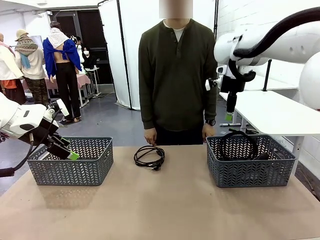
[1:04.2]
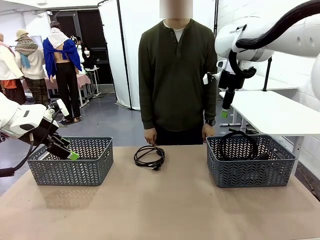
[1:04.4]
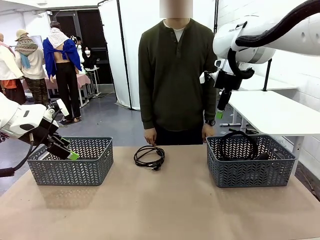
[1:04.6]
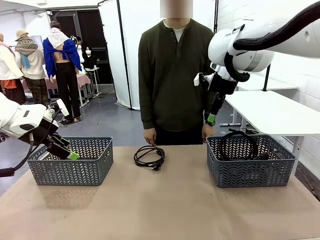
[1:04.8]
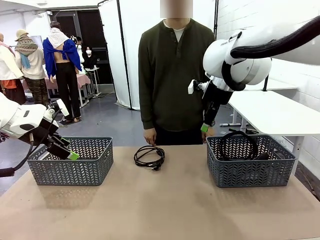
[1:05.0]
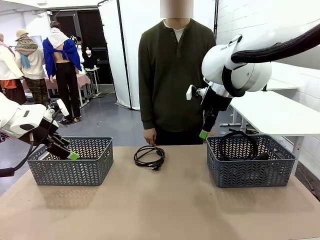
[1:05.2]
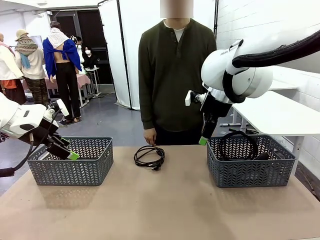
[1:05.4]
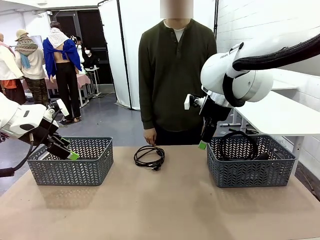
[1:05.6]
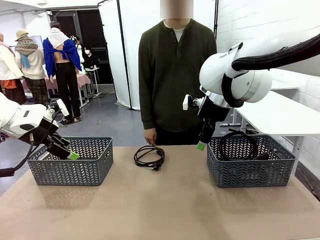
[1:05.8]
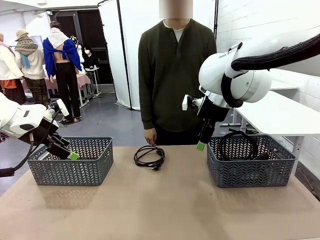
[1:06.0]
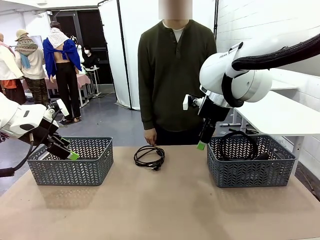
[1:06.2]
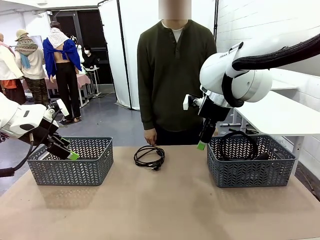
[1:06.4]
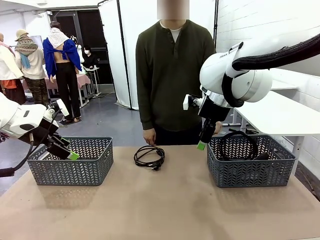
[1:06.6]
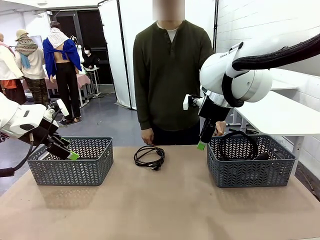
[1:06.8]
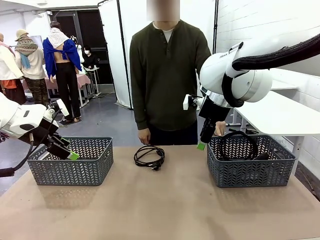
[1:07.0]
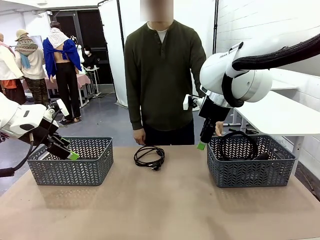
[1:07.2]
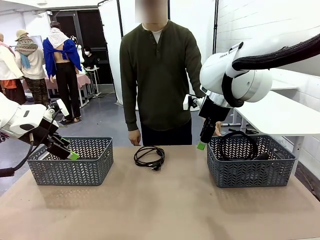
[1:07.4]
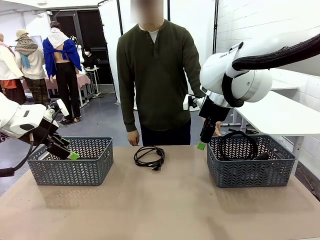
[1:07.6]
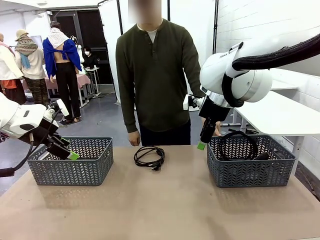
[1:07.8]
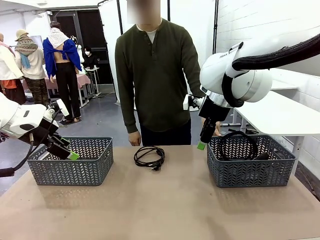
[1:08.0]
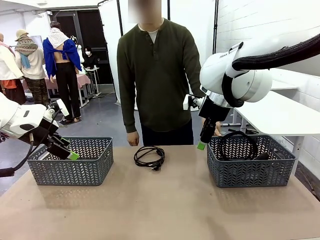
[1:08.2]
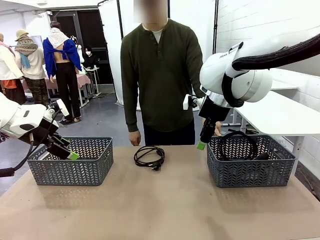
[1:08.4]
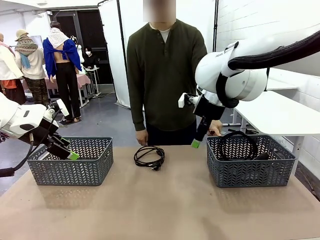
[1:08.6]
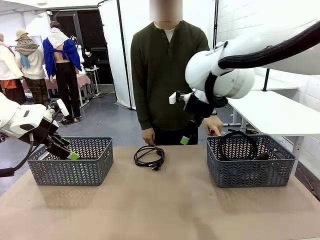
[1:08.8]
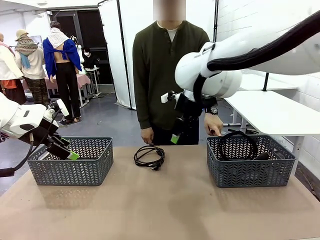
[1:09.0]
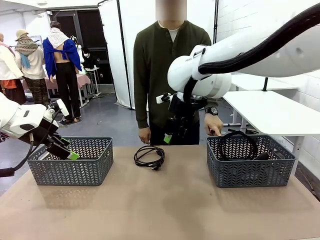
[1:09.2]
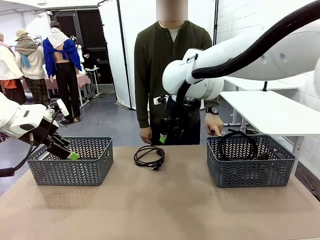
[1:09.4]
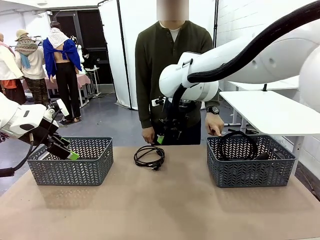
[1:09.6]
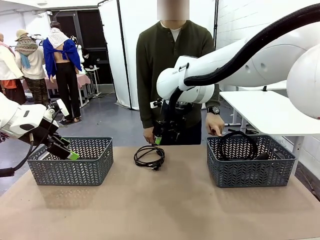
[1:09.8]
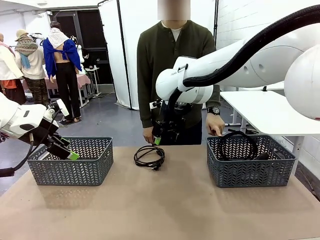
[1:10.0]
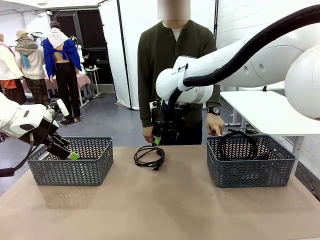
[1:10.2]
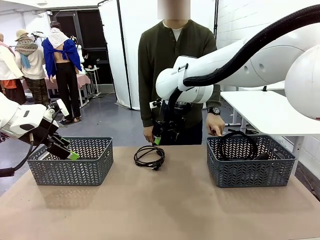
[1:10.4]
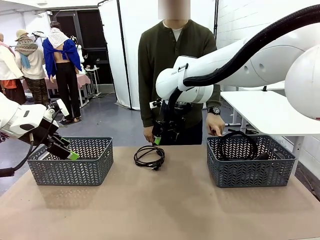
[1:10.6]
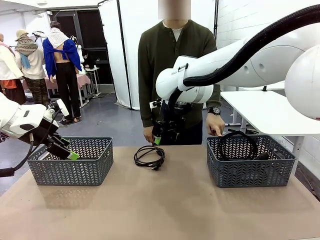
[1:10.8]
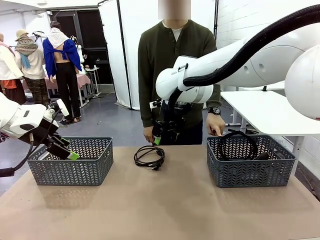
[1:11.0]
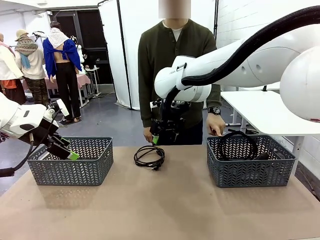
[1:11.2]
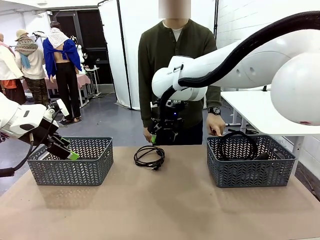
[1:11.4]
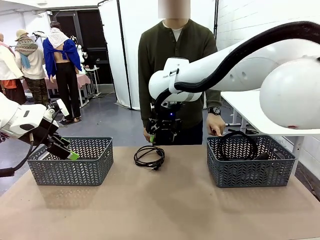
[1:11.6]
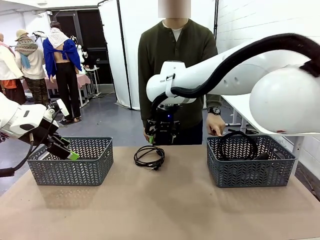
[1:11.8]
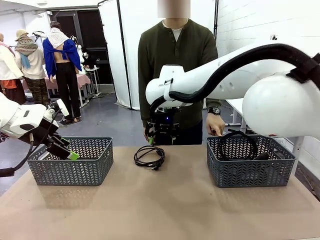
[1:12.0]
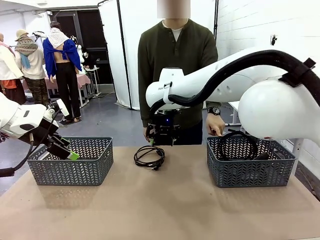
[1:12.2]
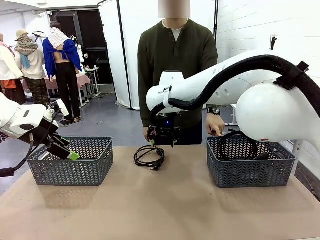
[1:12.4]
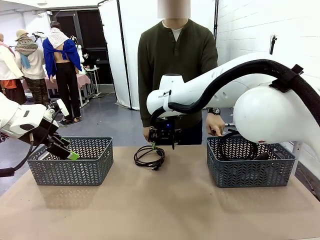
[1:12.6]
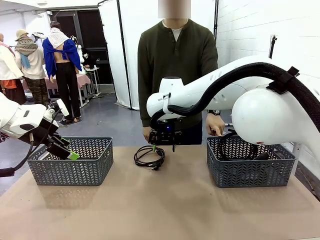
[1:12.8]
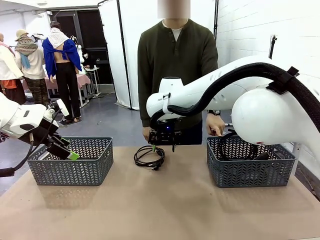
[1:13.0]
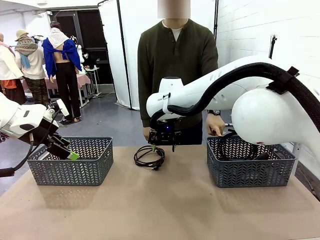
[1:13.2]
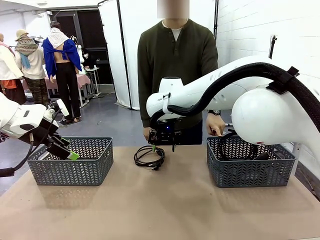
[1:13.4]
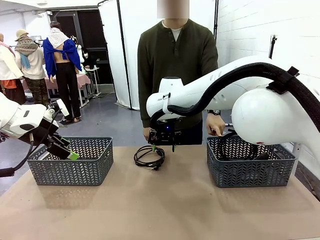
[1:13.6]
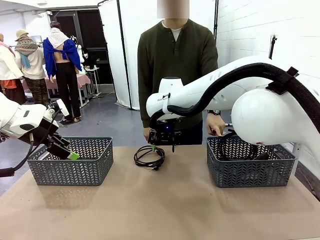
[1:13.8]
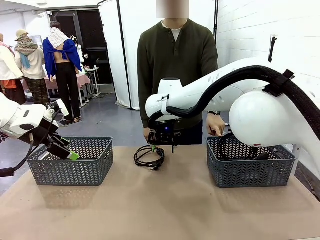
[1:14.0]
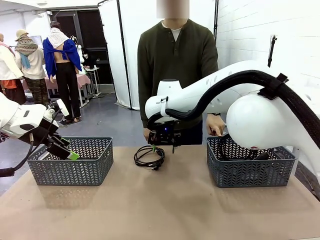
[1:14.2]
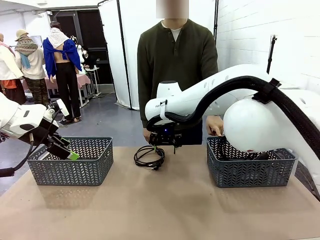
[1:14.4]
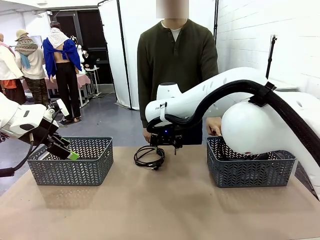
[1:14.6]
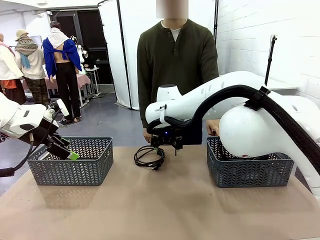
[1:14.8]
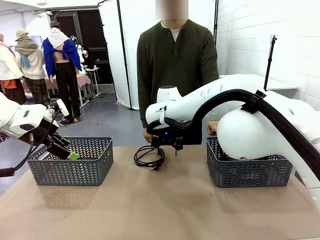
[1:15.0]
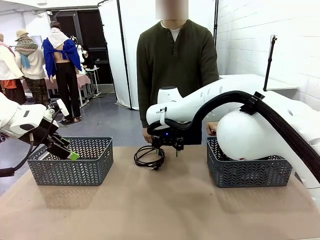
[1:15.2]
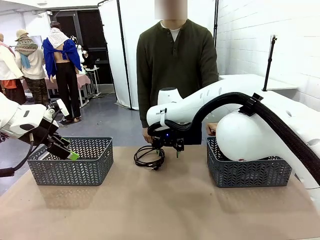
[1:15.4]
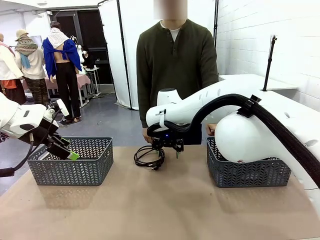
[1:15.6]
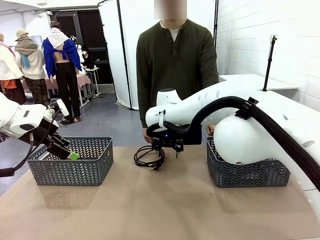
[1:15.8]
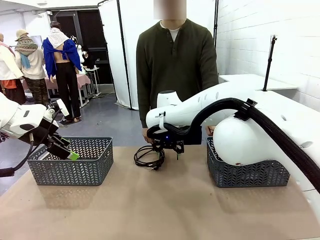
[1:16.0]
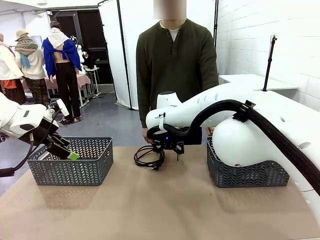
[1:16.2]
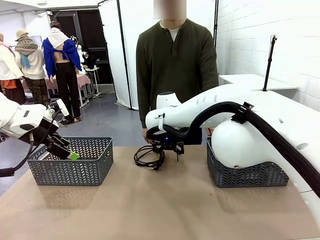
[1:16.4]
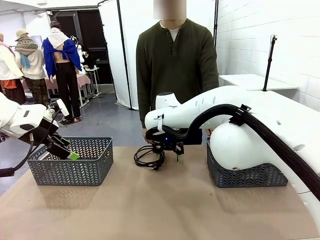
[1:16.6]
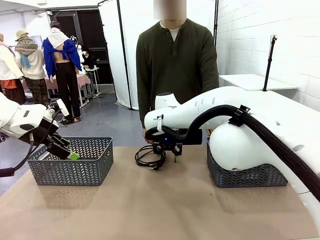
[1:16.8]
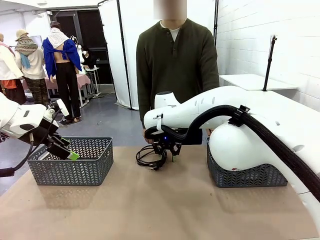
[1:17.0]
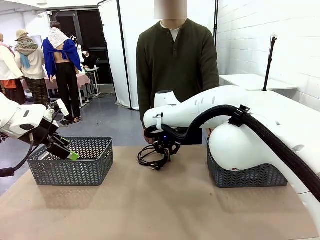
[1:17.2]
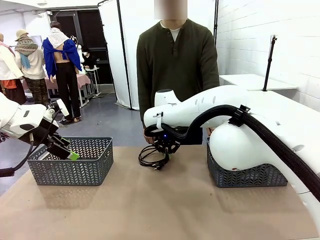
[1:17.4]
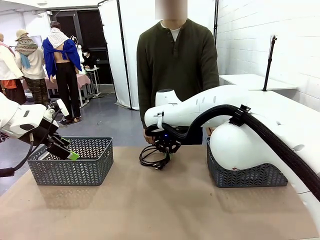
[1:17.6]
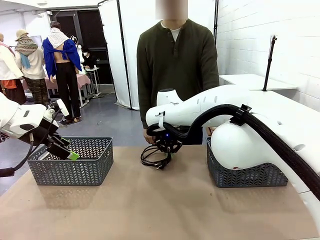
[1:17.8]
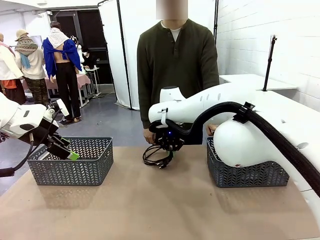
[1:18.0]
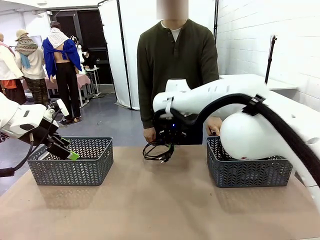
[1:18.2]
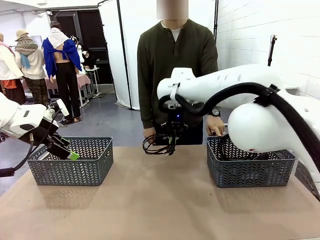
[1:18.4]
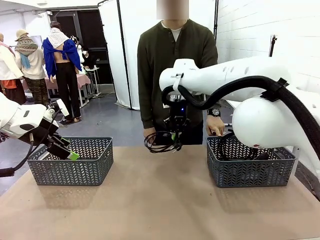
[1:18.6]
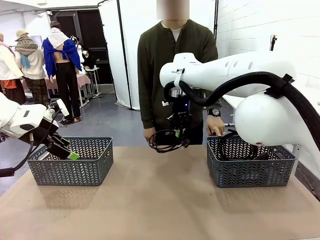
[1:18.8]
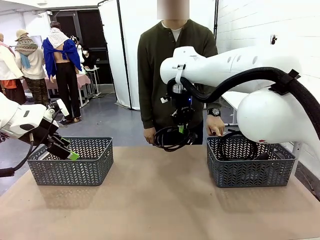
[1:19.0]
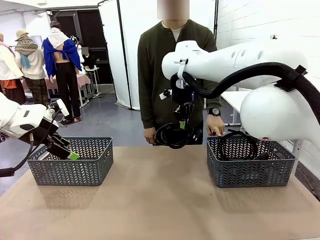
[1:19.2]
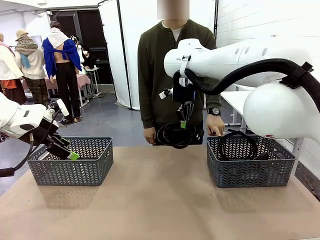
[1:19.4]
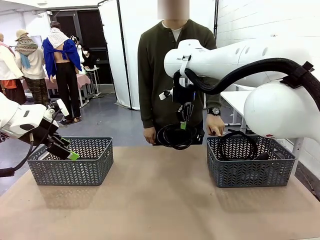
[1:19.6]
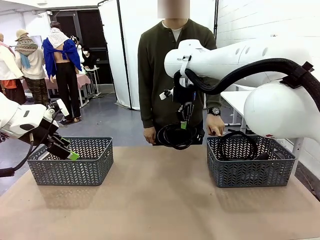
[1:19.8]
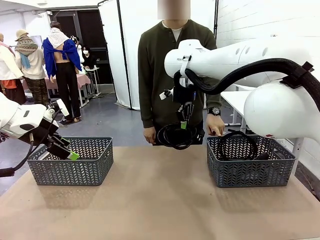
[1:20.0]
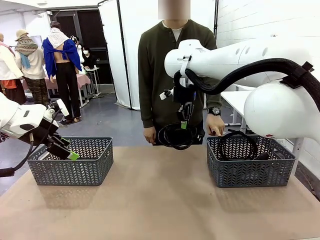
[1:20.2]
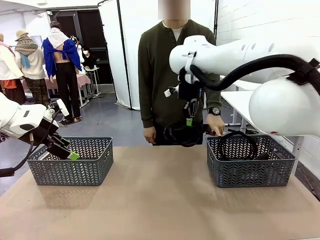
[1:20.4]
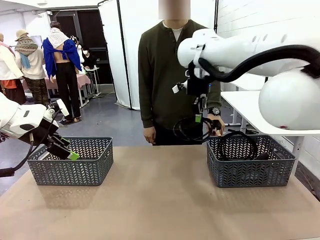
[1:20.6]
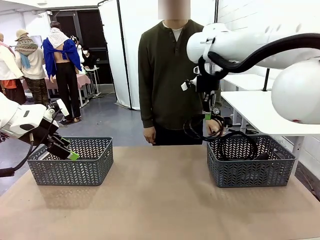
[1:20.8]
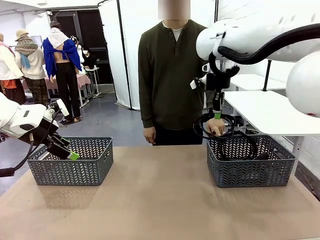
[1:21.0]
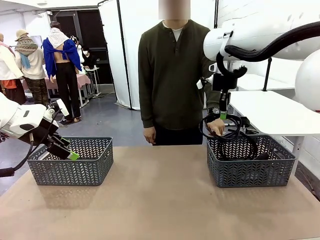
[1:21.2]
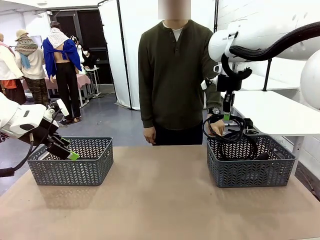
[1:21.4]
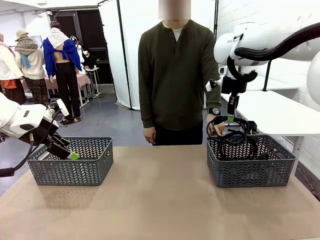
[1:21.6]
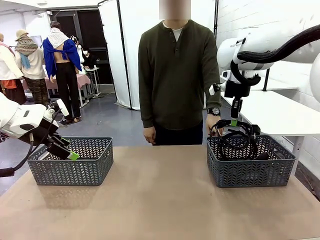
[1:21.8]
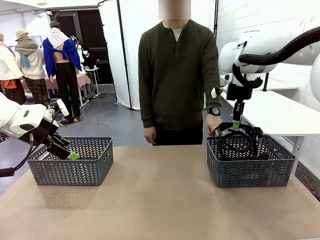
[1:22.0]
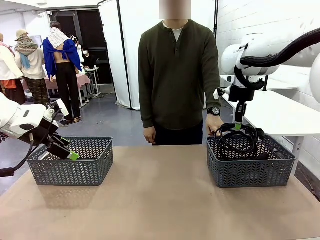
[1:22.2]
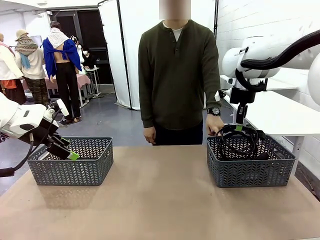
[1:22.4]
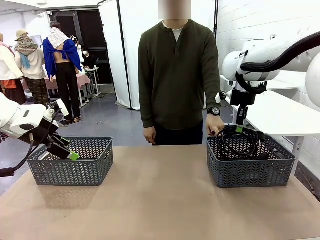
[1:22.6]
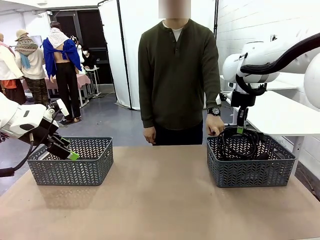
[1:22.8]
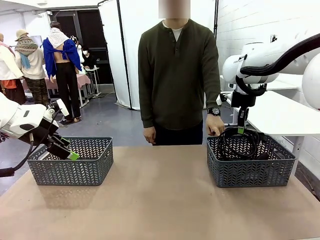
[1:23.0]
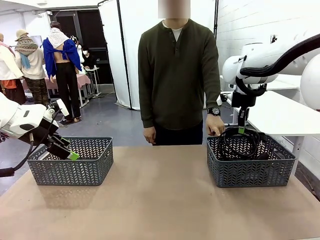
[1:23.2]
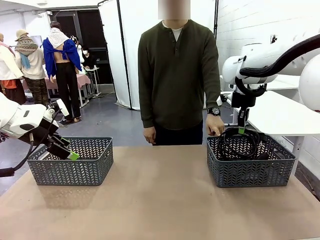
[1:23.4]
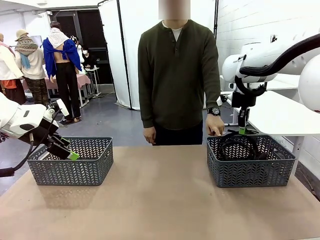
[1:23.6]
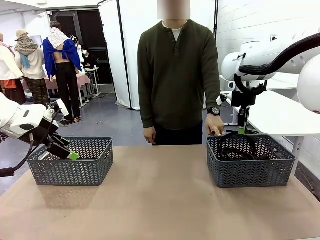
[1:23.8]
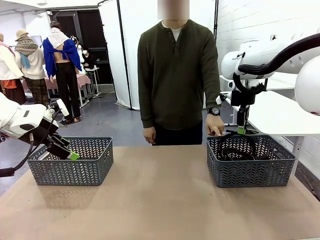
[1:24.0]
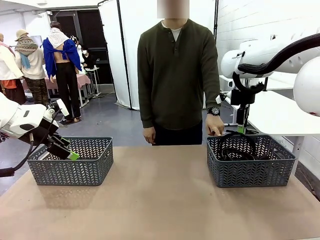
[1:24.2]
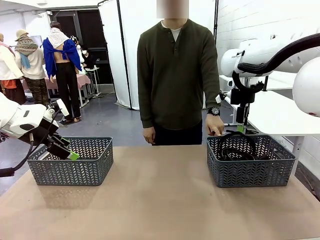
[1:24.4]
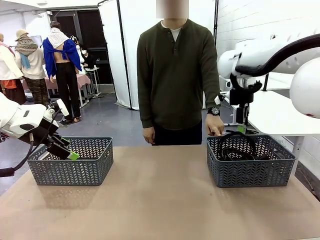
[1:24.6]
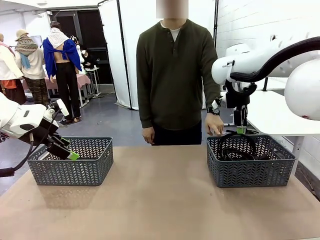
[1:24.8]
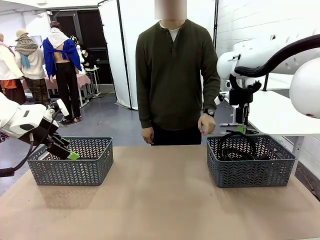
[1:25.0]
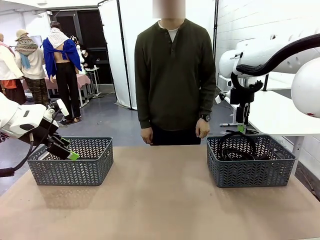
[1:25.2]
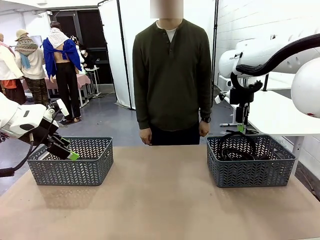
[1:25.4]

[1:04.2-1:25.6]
Task: Organize the cables according to human instructions.
Robot: Pick up a bundle of cables and place it in the basket indicated by the human.
